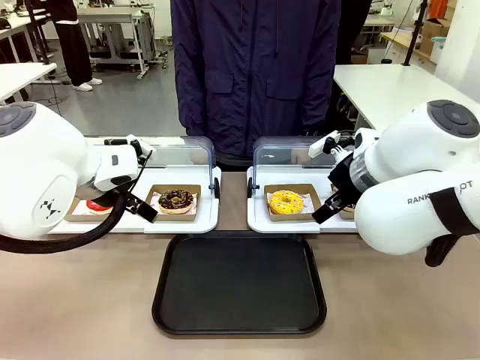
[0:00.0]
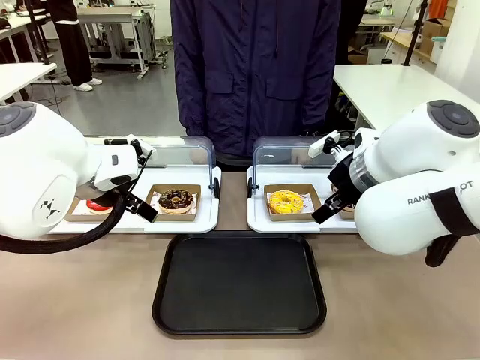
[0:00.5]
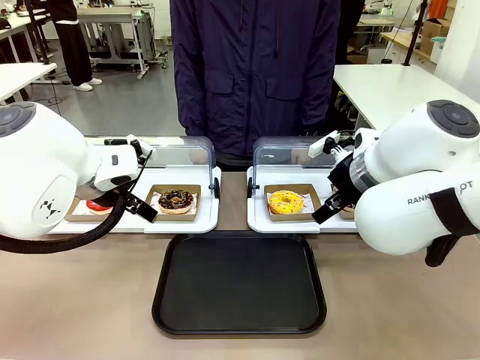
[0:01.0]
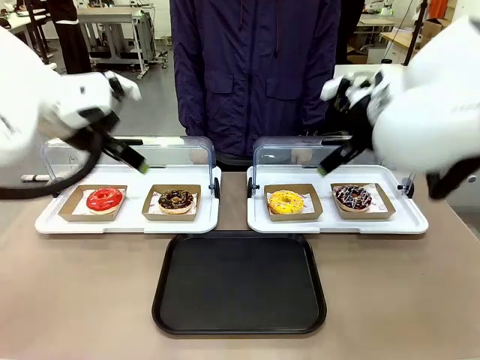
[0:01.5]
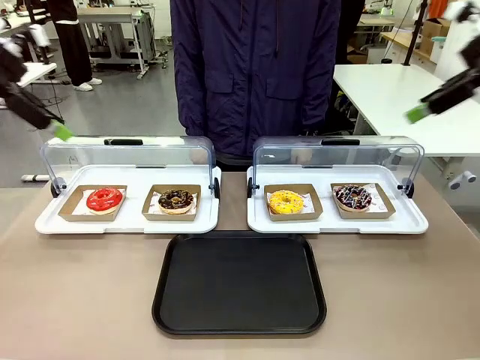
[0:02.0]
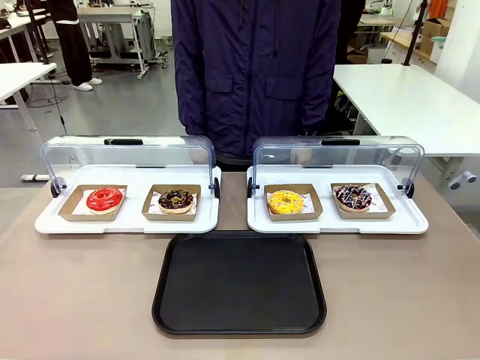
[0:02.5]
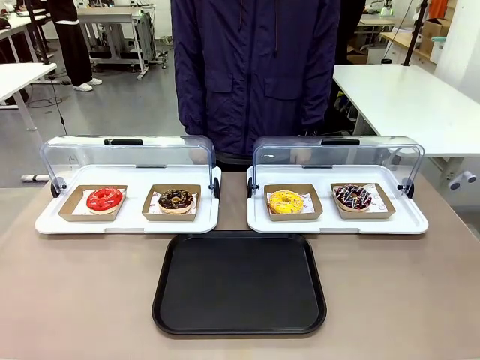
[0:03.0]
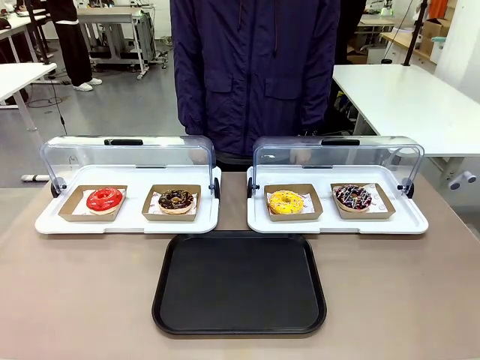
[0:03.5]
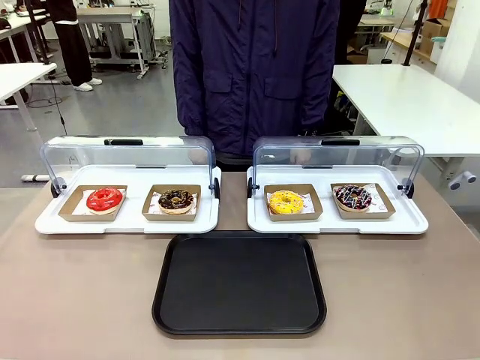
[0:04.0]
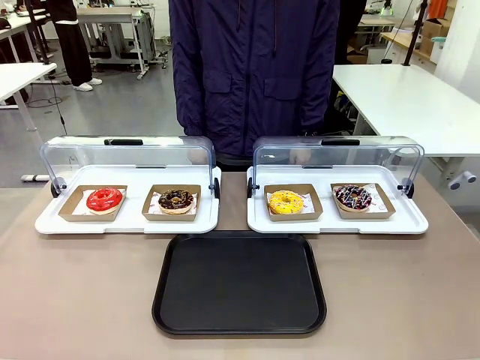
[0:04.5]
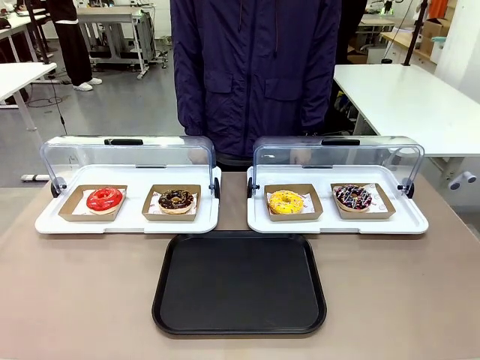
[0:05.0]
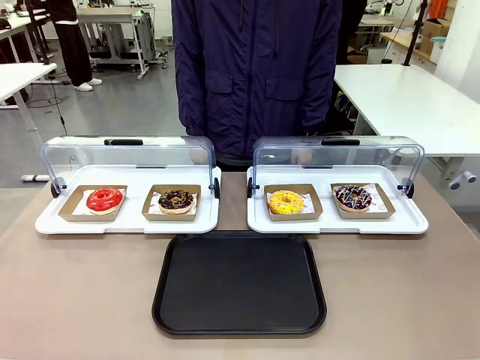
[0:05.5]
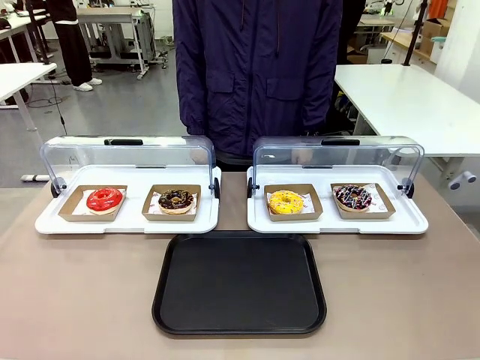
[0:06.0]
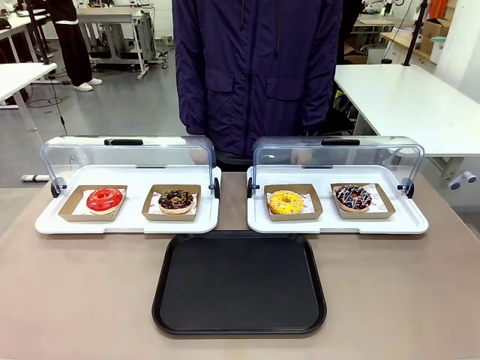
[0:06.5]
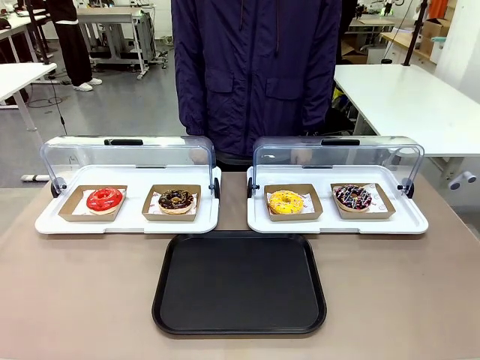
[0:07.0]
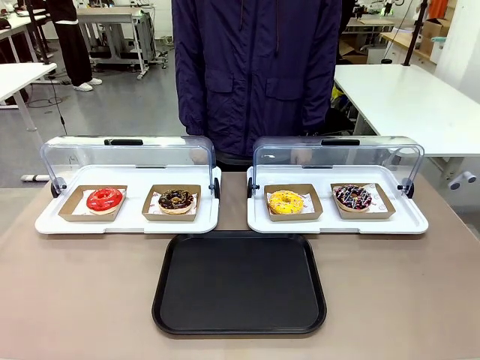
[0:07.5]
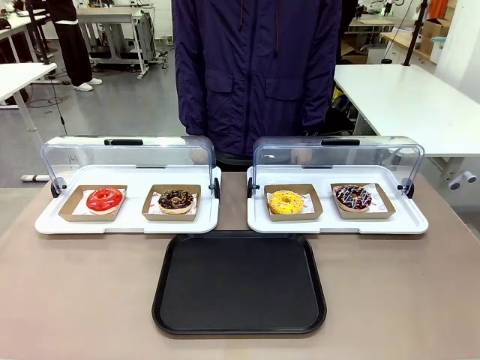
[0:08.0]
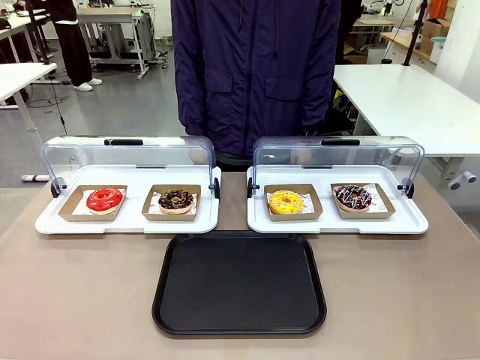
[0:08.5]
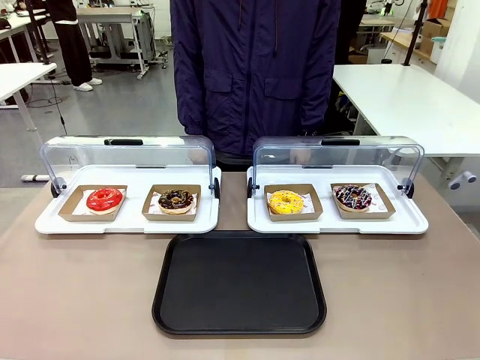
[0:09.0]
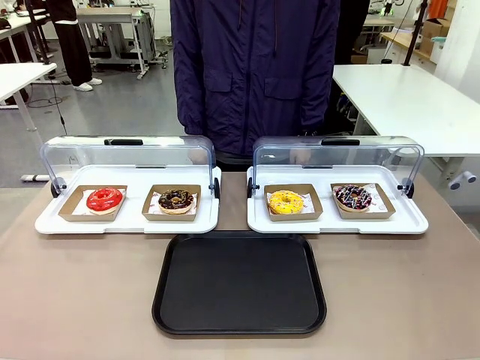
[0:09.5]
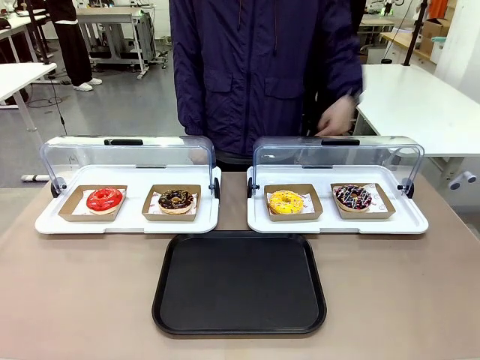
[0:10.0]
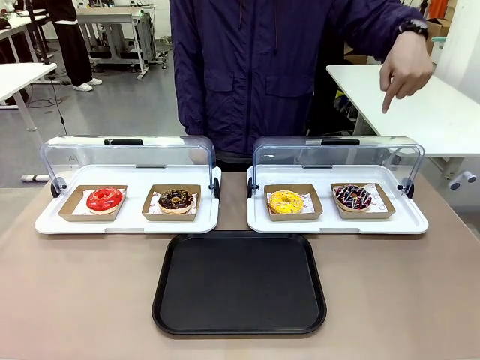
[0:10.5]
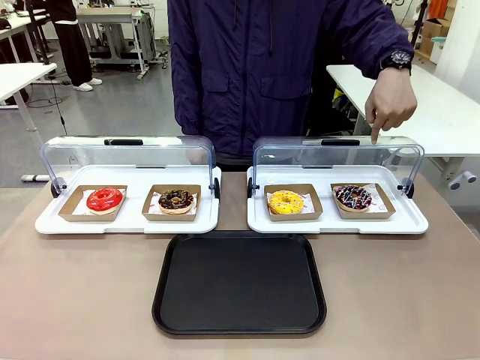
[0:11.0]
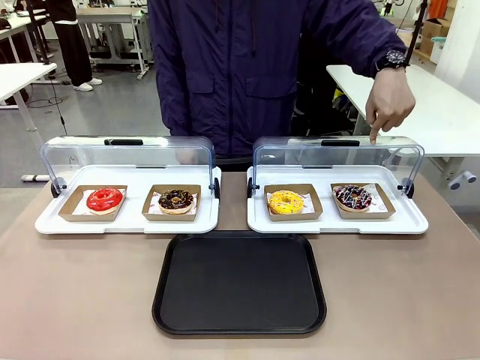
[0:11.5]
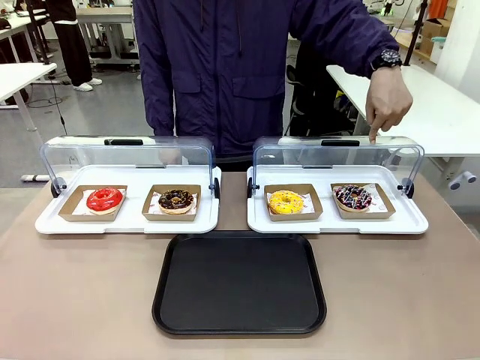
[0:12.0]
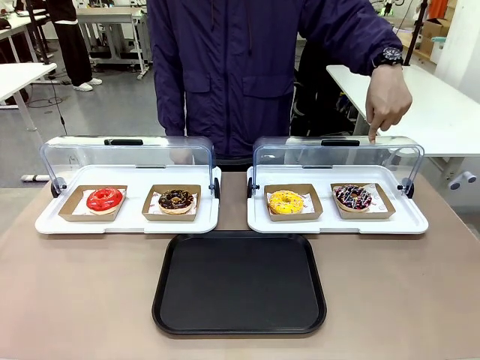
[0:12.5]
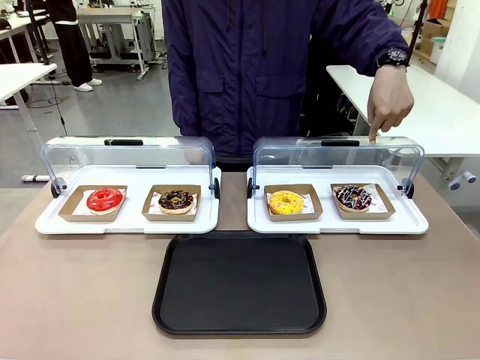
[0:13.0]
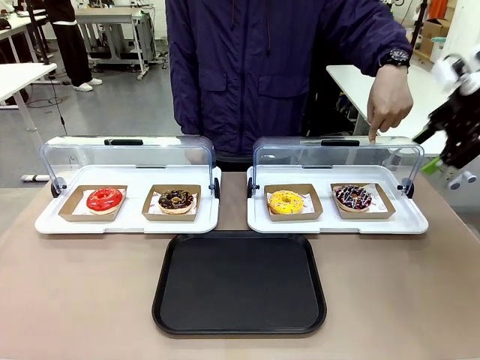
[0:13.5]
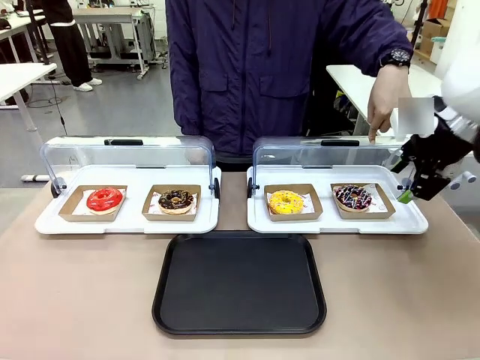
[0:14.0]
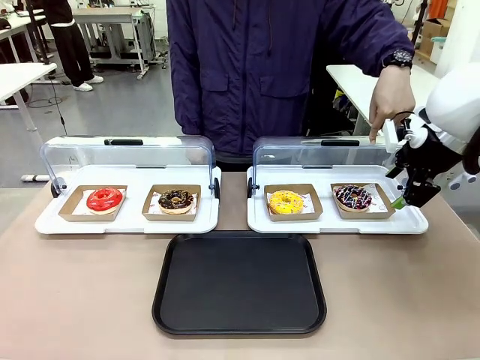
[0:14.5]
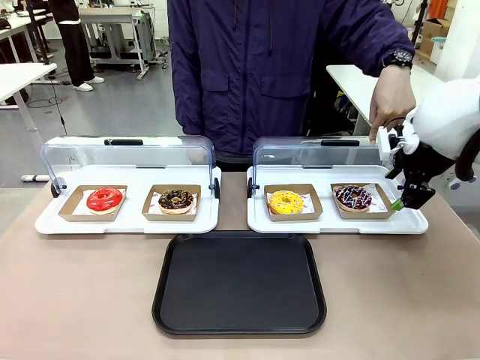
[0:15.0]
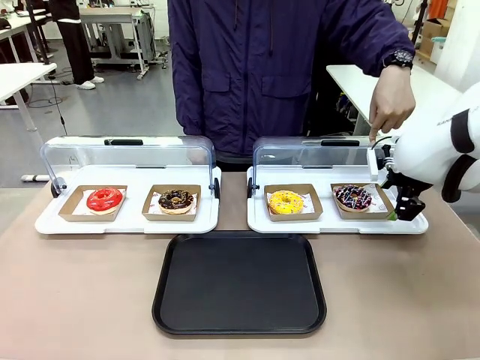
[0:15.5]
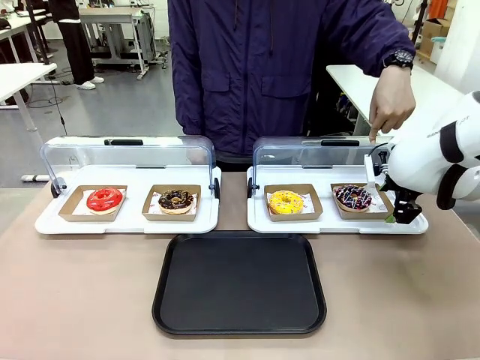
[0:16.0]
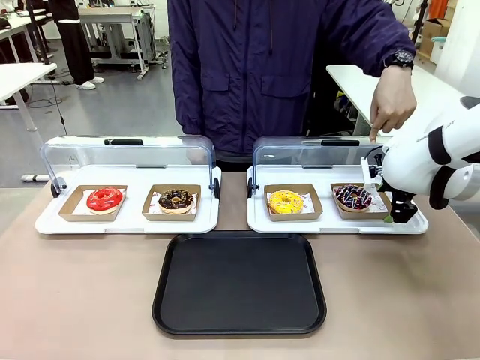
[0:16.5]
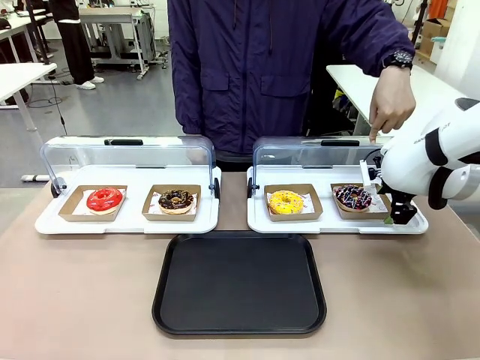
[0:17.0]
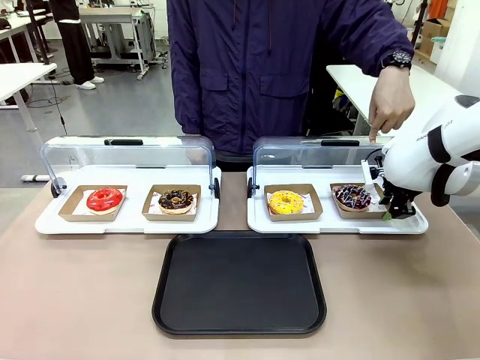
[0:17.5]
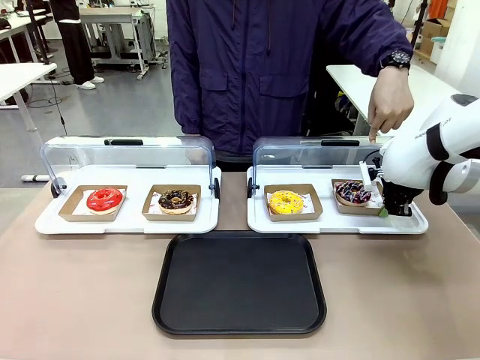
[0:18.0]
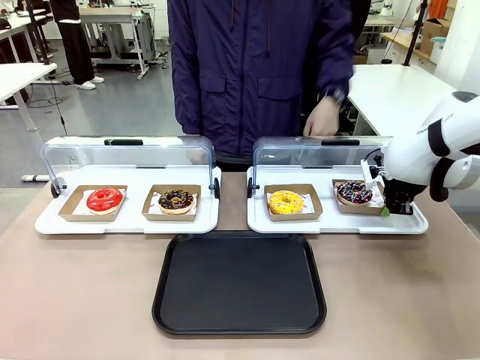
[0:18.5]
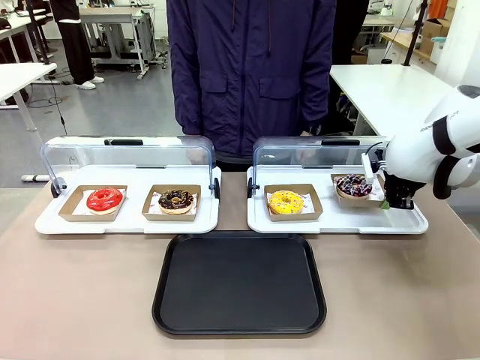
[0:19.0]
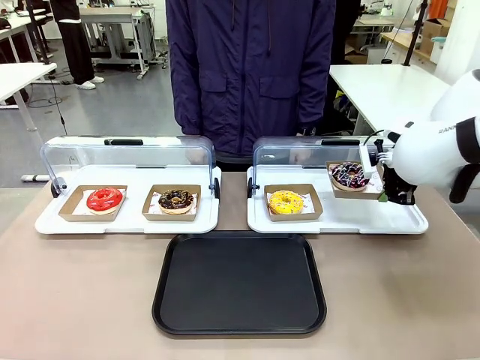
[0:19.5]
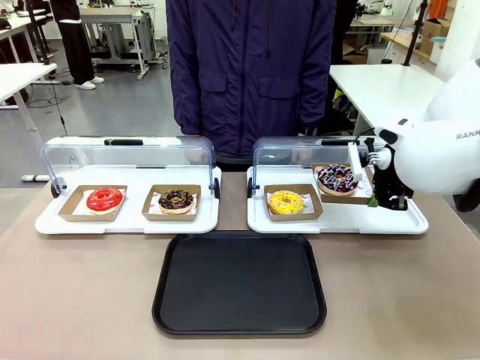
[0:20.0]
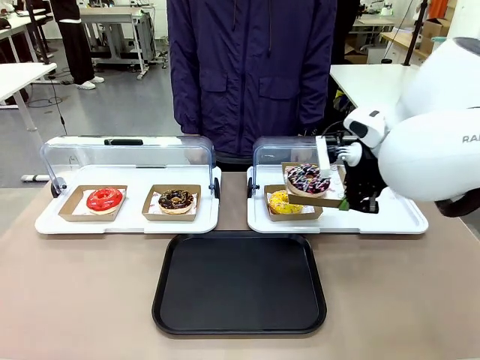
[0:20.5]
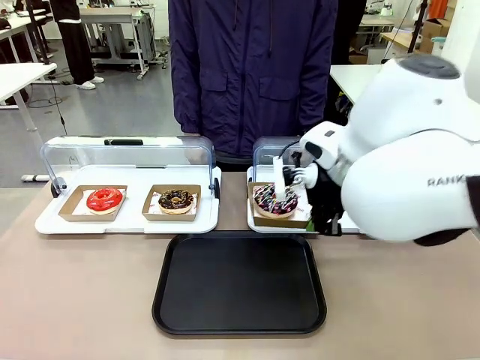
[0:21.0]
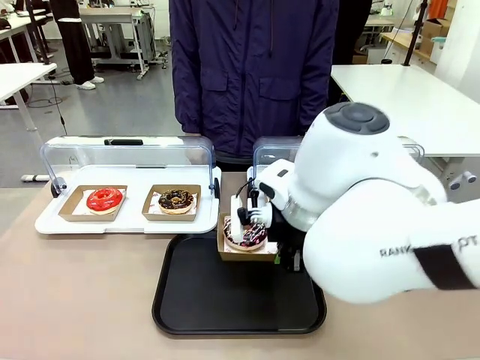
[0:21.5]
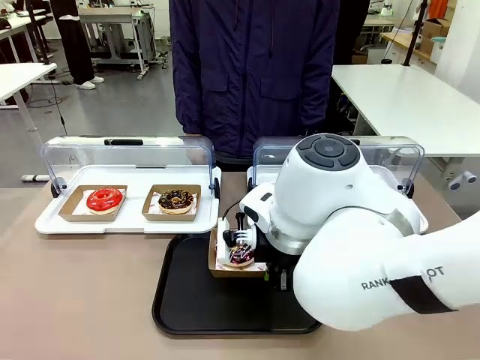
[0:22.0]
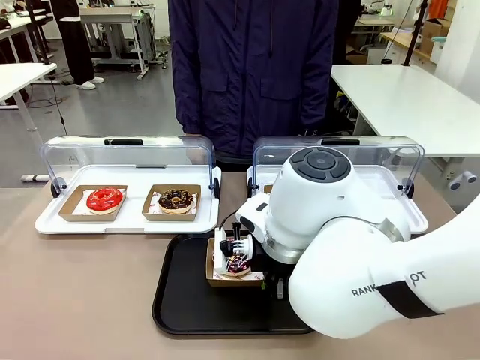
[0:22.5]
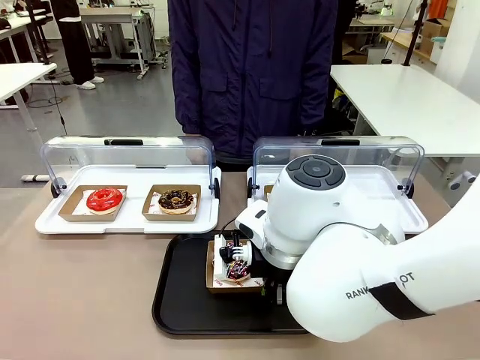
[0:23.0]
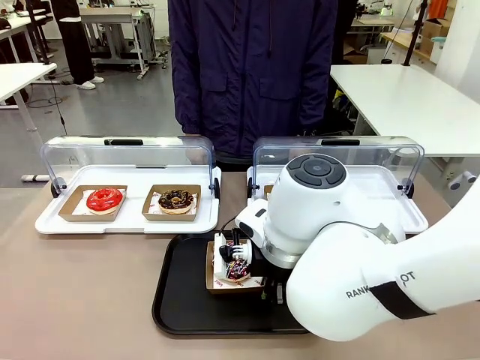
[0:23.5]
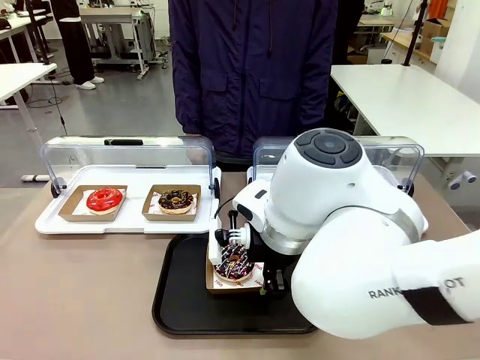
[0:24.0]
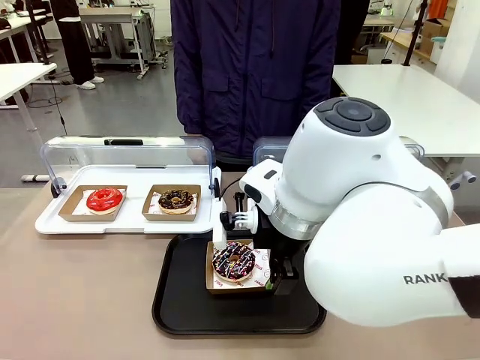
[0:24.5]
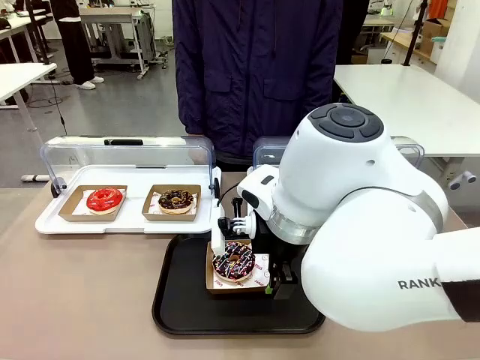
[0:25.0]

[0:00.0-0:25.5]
Task: Move the fourth donut from the left to the tray.
Robot: Pick up the Paper togo box containing the Donut indicated by the person and place it on the Handle tray.
Person: Points to the fourth donut from the left from the robot’s perspective.
